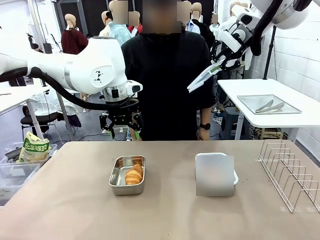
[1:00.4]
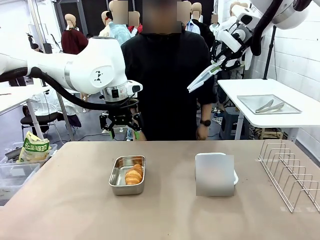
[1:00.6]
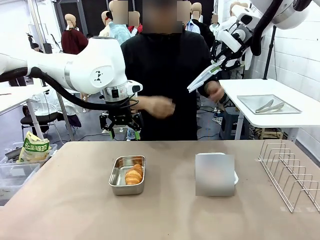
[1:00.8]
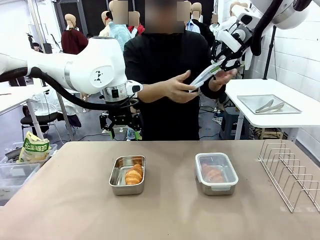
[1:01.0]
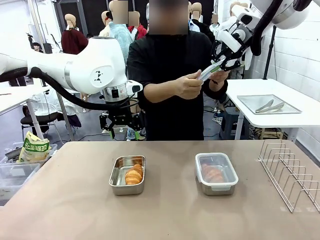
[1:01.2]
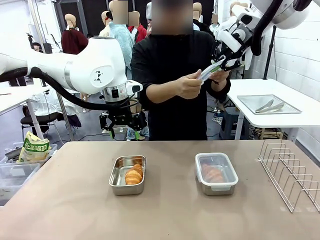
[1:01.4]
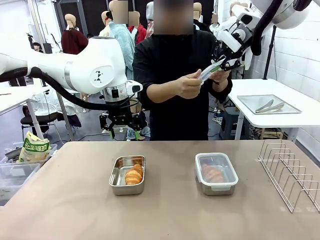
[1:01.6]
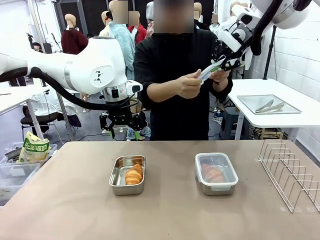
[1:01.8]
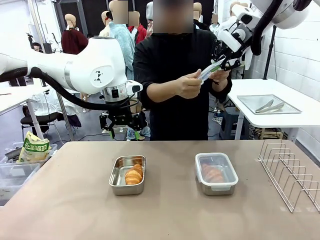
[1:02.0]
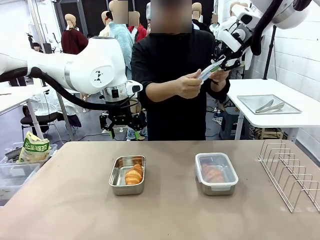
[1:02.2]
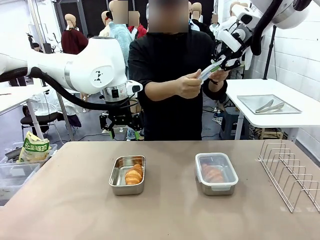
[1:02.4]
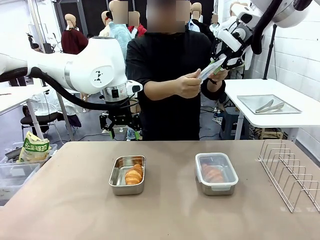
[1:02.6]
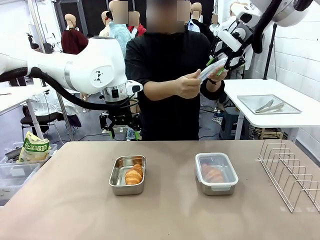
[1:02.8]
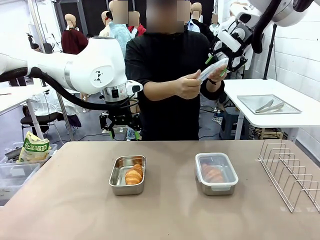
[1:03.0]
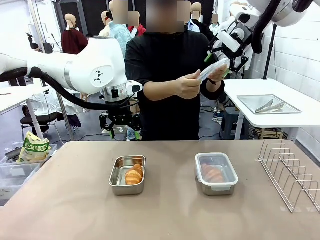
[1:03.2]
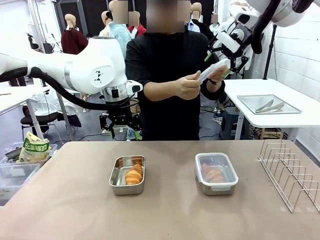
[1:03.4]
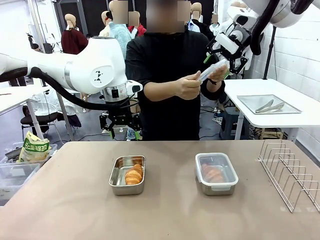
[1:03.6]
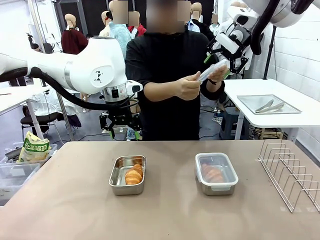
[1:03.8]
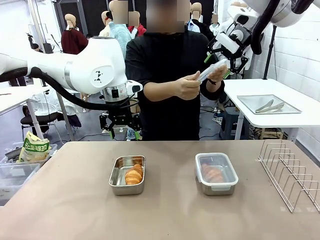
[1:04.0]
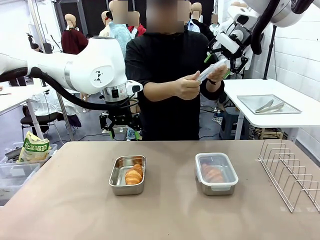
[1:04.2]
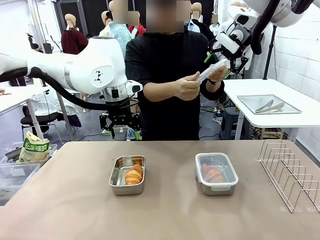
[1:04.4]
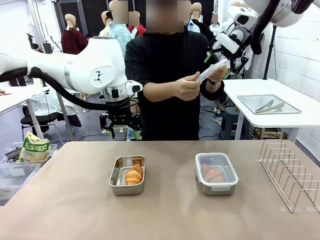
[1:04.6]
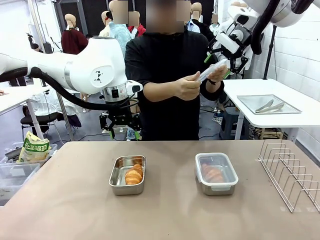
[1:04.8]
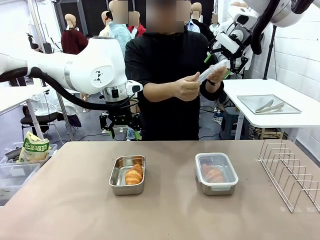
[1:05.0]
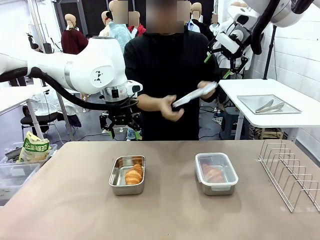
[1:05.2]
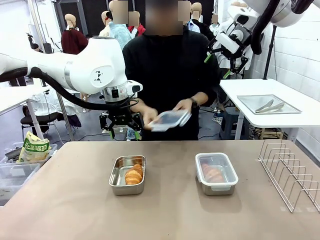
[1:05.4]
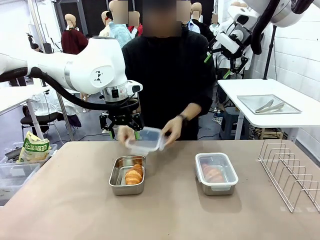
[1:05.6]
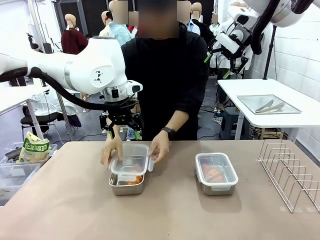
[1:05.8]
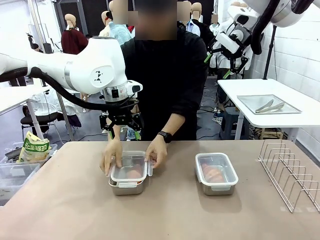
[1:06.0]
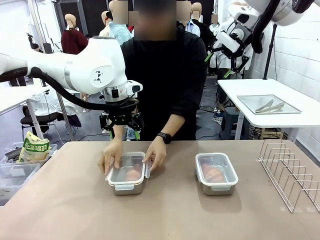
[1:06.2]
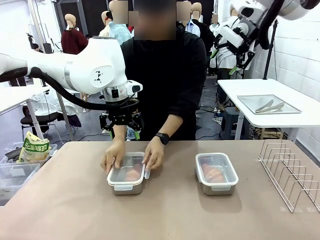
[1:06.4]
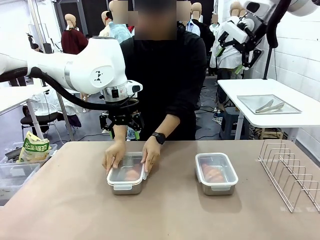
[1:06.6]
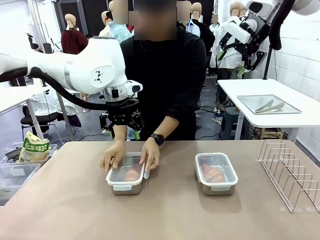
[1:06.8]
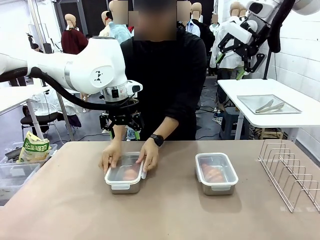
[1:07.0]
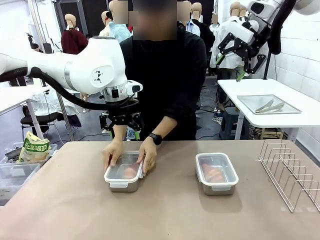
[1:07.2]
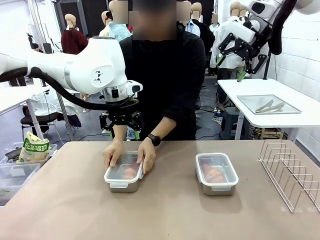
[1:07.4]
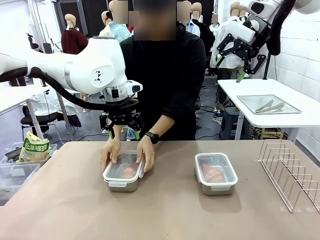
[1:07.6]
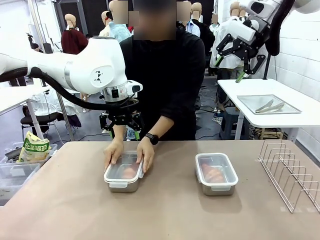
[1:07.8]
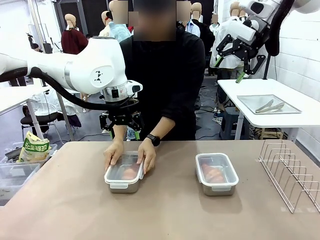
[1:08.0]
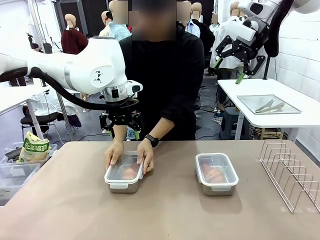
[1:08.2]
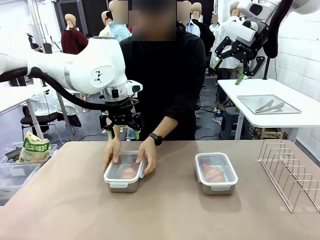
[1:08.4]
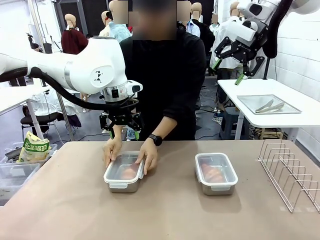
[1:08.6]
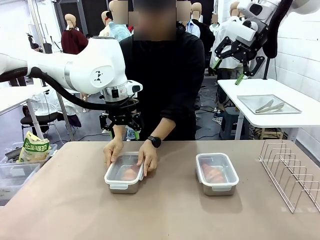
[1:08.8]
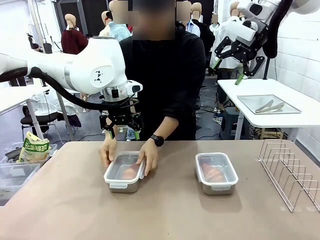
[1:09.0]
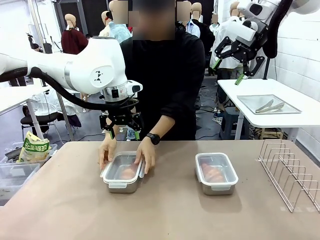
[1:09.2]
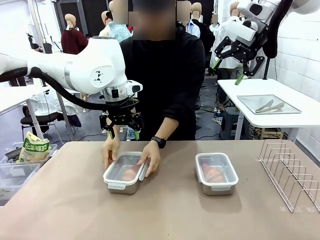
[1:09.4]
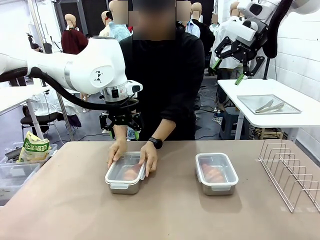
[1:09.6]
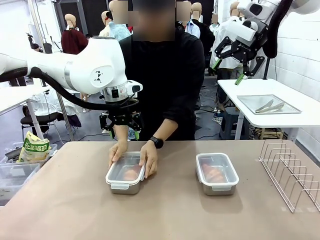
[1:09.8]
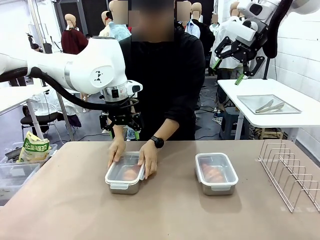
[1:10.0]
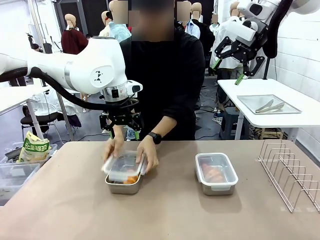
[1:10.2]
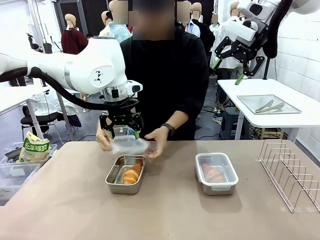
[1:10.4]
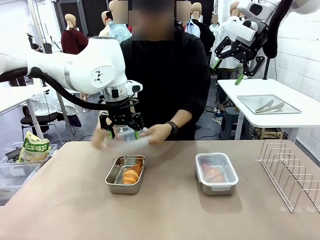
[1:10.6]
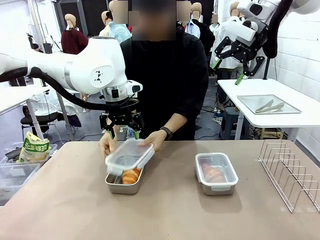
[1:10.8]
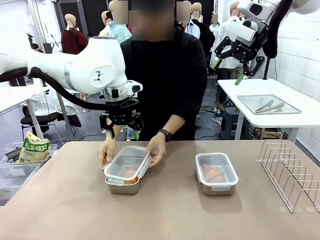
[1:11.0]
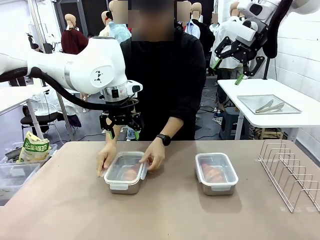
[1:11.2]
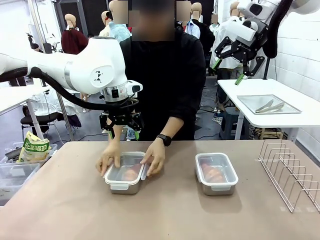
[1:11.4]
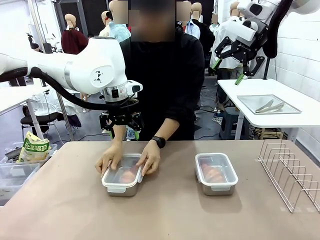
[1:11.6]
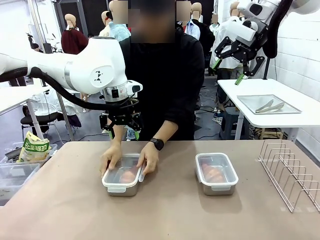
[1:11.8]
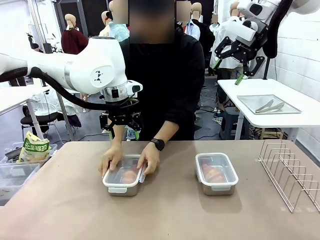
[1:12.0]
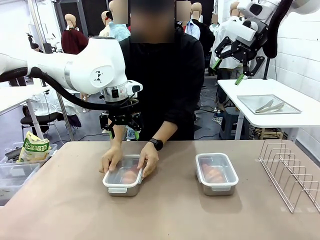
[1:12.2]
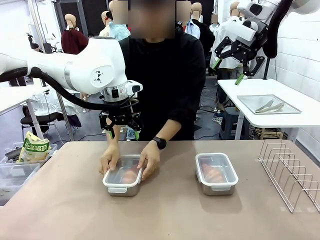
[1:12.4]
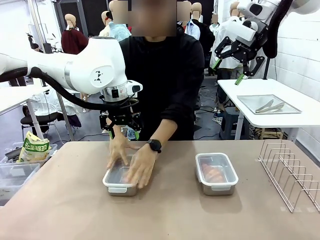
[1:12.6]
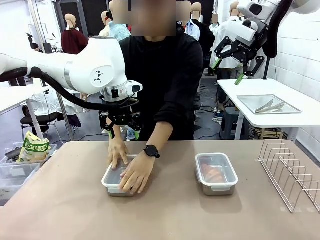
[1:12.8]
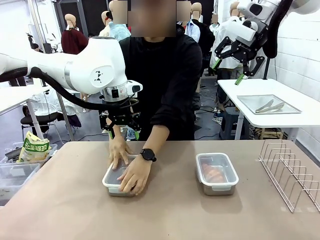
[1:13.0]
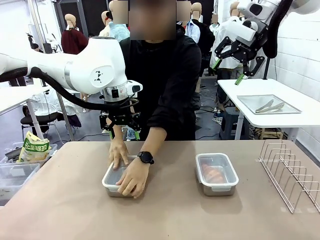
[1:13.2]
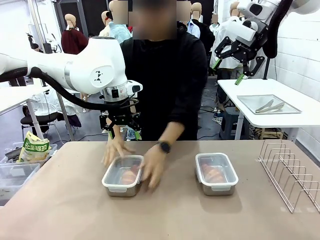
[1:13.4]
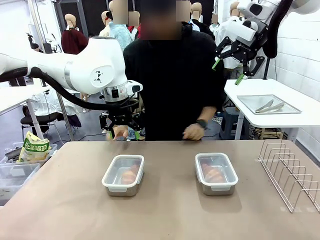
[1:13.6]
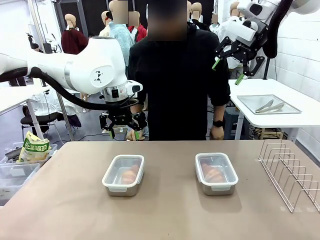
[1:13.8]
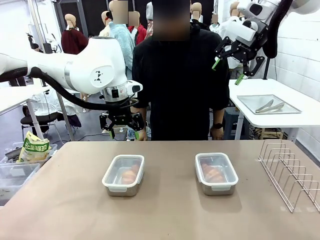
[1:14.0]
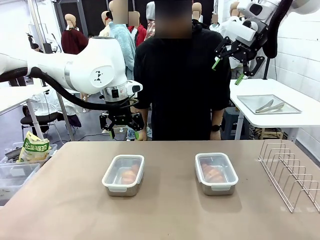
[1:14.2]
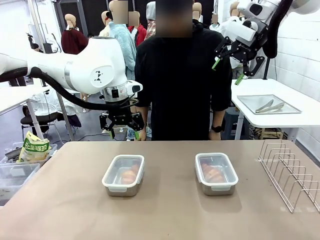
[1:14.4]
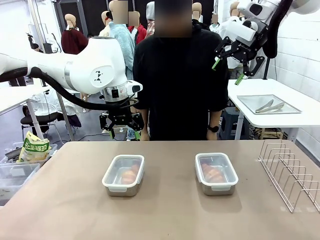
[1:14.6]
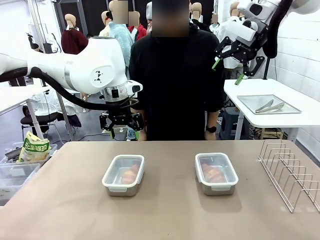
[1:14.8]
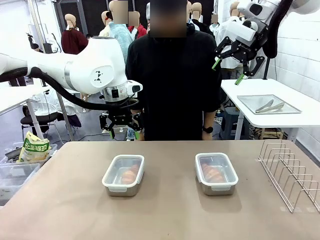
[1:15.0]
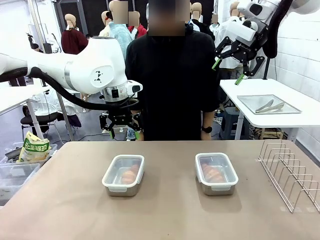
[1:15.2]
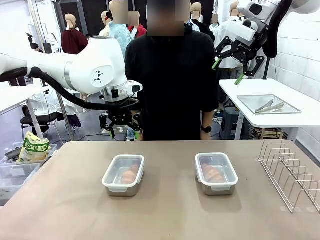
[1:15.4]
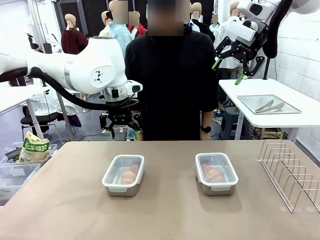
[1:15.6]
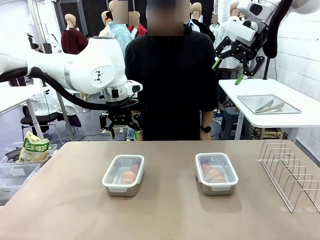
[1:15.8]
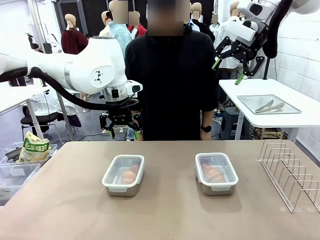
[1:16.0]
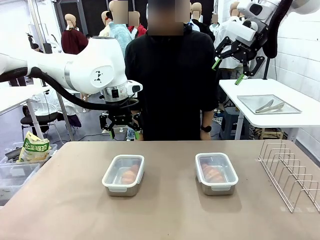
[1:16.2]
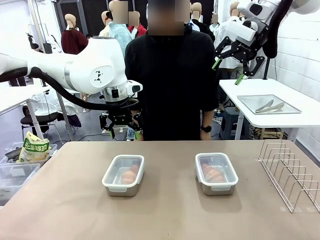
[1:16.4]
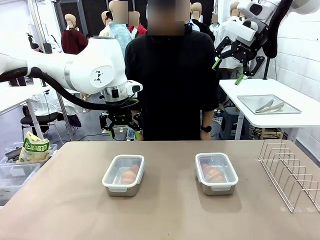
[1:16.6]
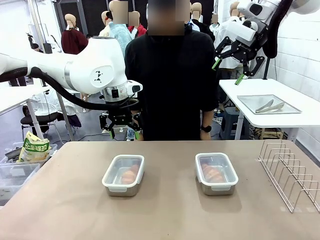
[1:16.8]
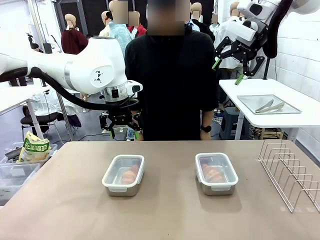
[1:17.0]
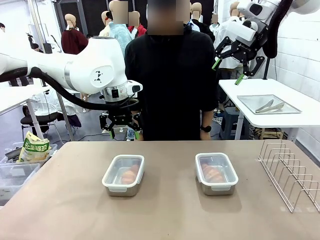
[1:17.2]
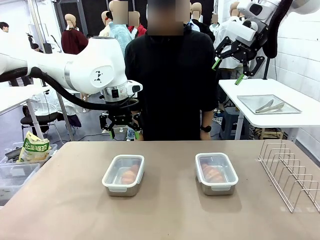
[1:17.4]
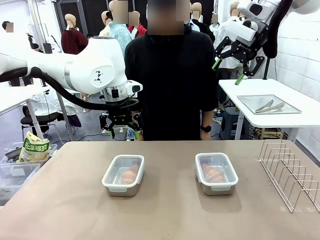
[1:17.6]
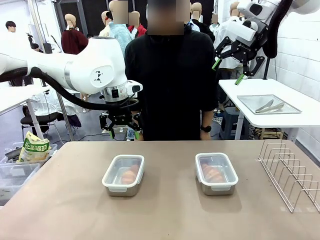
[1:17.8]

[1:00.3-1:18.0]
Task: Place the bread in airtight containers.
Robot: Release when the human grabs the Airtight Container lid.
Person: Close Airtight Container with a handed Airtight Container lid.

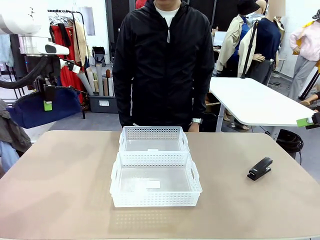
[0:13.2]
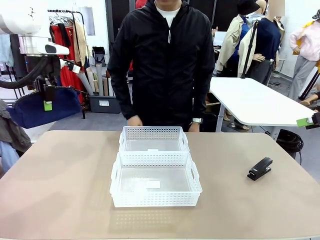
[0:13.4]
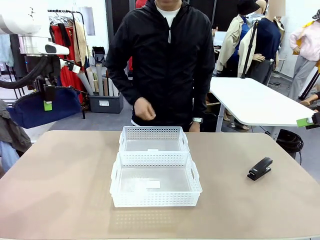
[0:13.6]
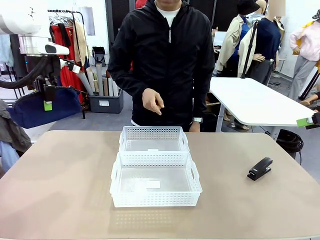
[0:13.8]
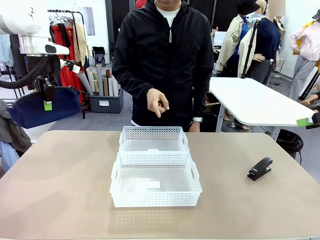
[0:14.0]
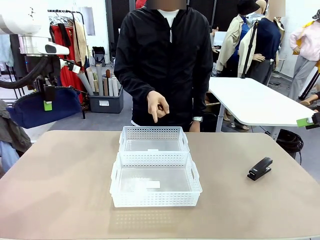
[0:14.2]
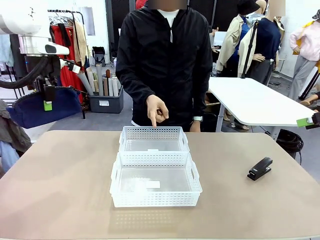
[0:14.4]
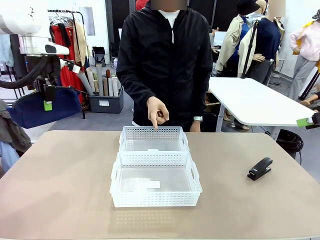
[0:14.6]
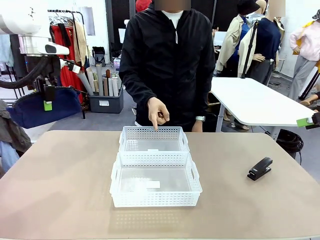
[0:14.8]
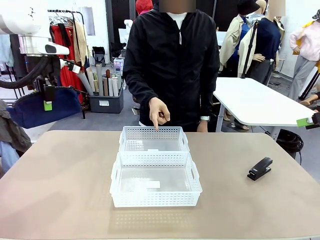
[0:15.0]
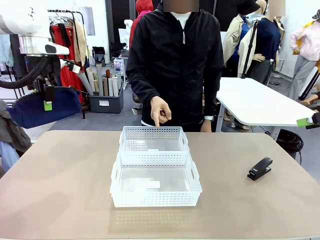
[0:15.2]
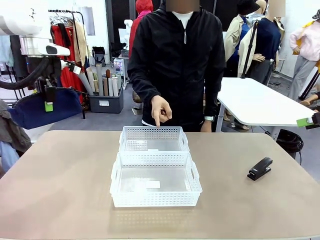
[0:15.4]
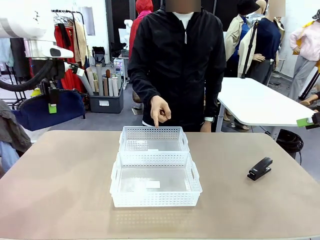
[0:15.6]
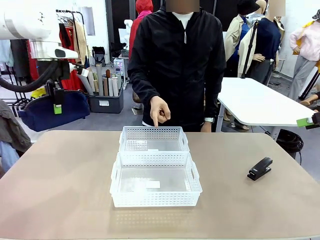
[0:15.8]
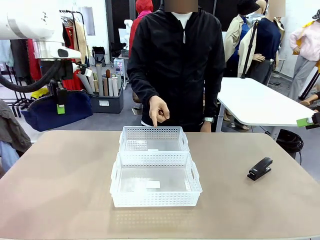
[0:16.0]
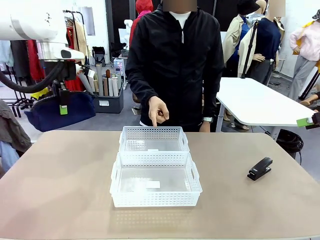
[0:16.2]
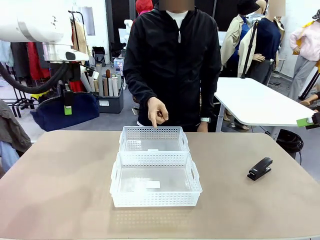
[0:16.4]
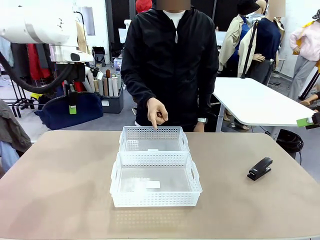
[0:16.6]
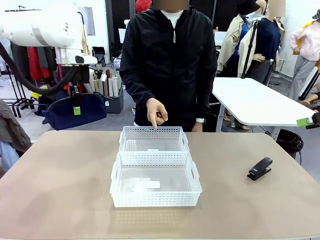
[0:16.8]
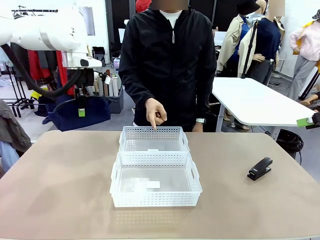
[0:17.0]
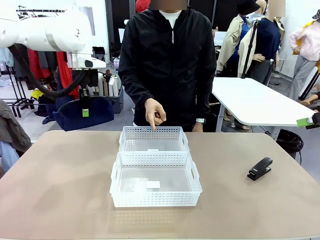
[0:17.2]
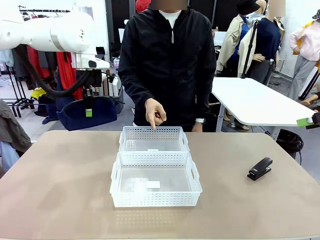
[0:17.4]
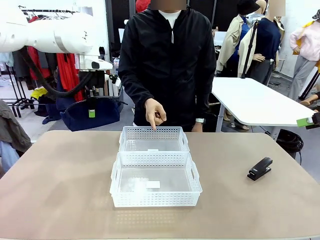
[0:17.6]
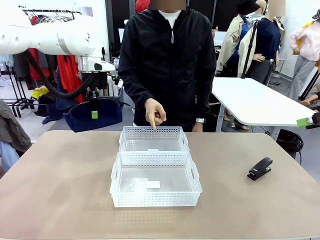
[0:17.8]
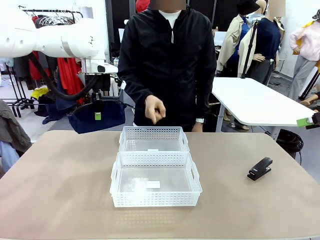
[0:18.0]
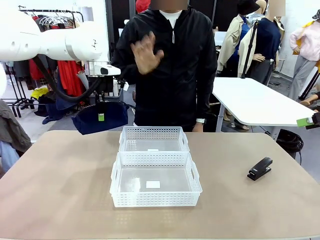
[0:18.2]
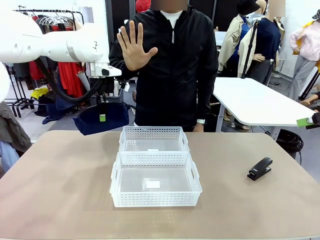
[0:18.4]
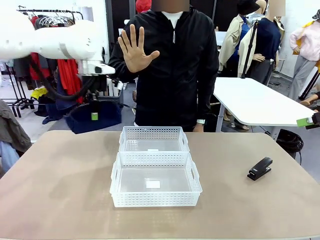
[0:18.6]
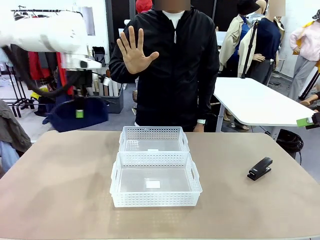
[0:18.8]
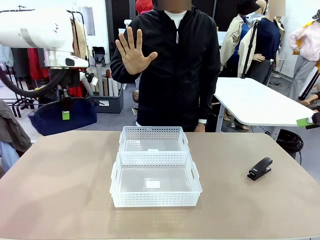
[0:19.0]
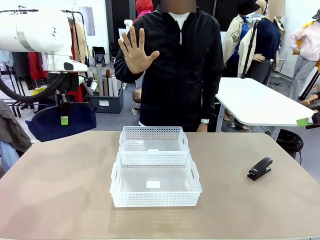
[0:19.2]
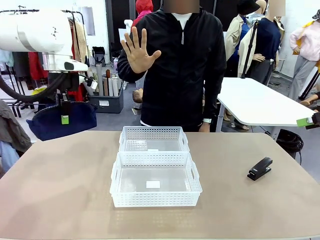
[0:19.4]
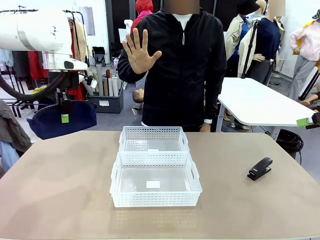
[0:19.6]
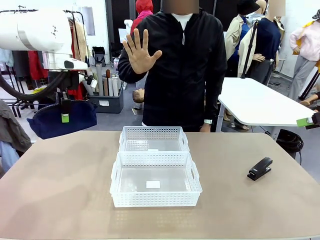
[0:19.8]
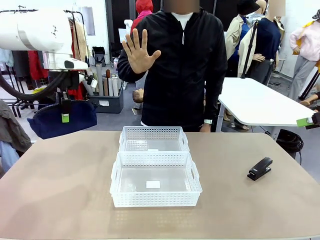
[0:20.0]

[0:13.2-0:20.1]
Task: Distribute items into two baskets.
Robot: Move the picked Pencil pouch towards the Organizing basket indicated by the person, stopping as directed.
Person: Sends a stop gesture before the robot places the pencil case into the basket.
